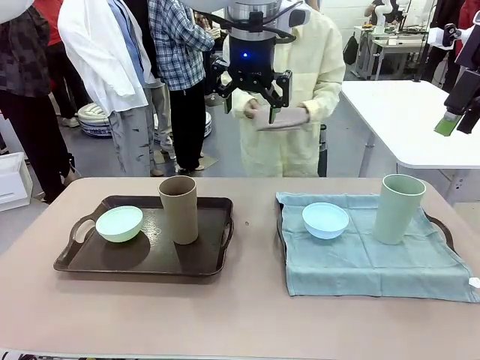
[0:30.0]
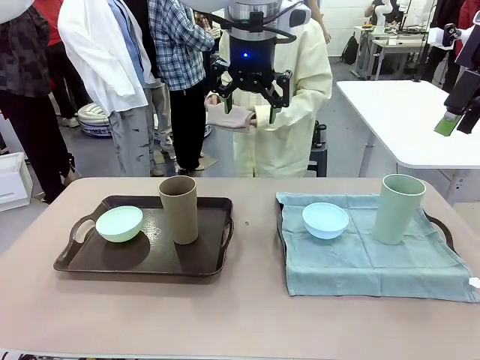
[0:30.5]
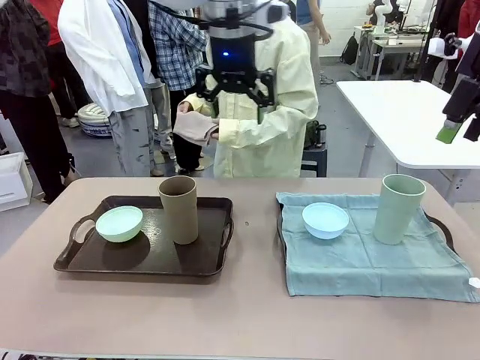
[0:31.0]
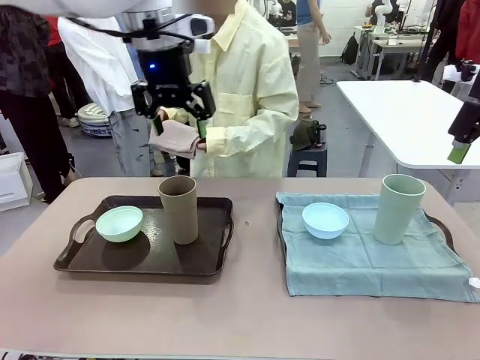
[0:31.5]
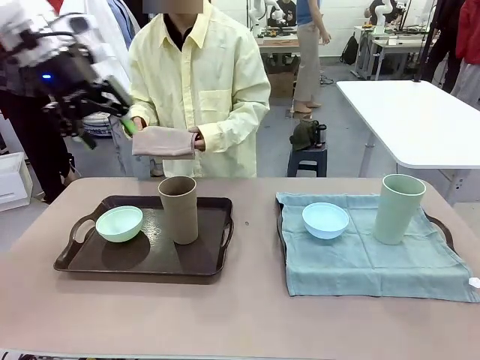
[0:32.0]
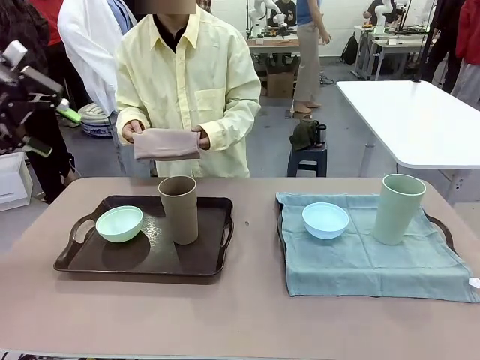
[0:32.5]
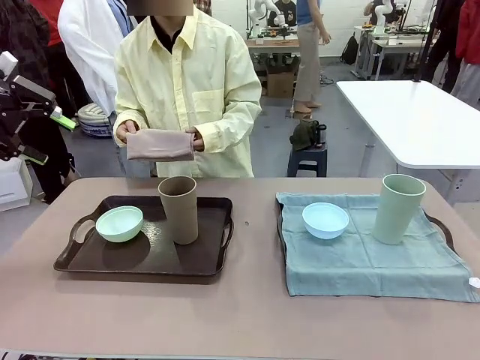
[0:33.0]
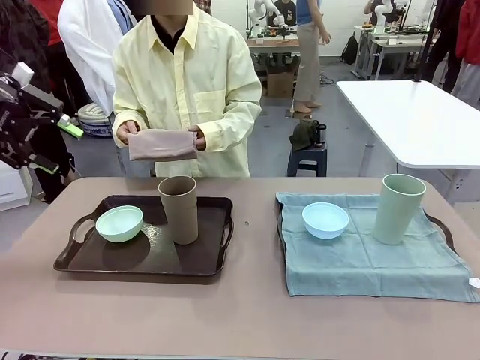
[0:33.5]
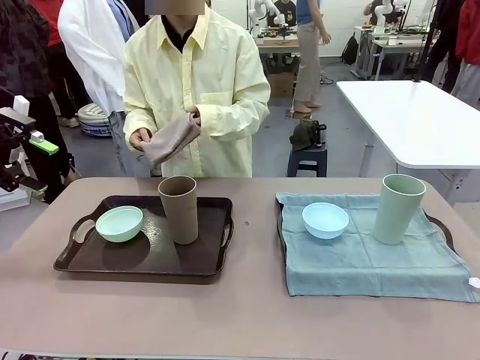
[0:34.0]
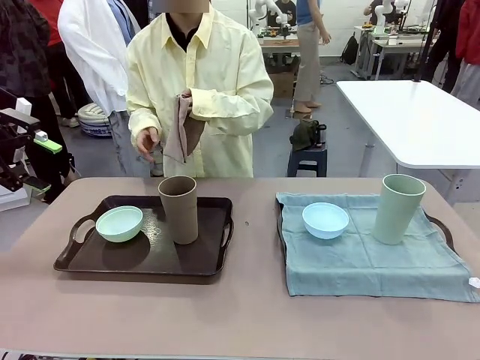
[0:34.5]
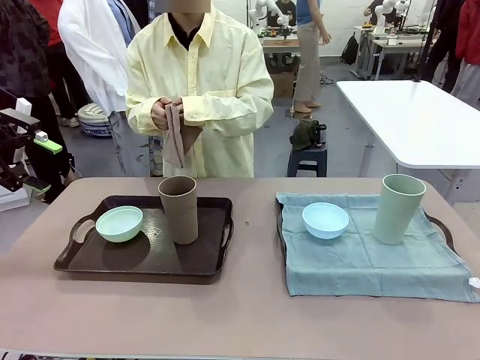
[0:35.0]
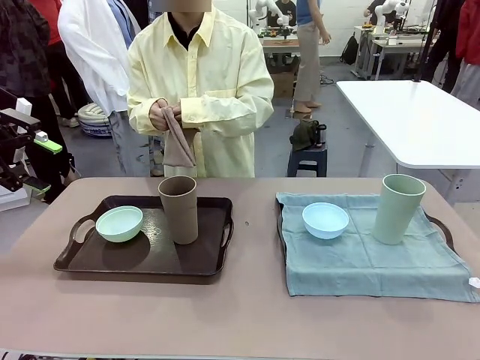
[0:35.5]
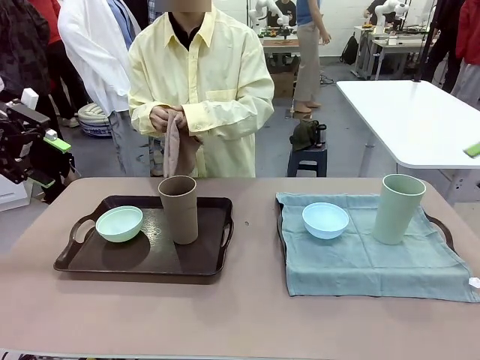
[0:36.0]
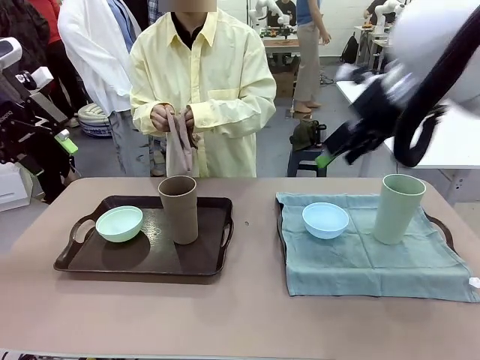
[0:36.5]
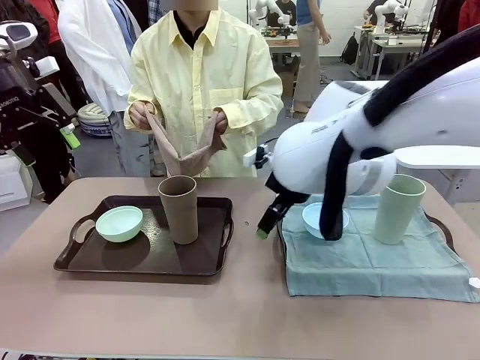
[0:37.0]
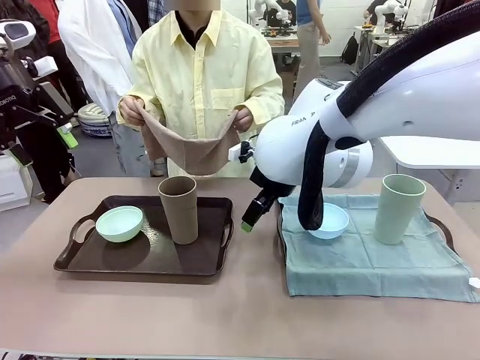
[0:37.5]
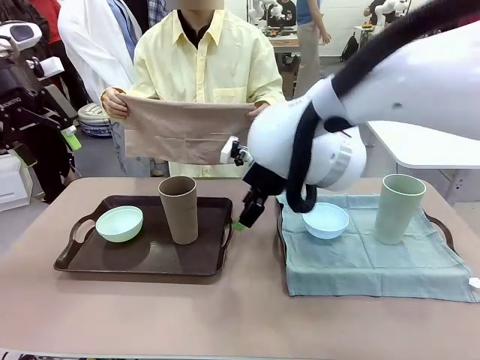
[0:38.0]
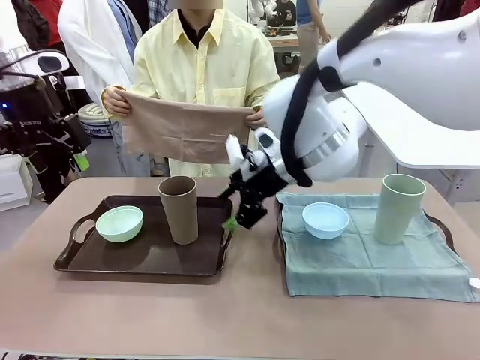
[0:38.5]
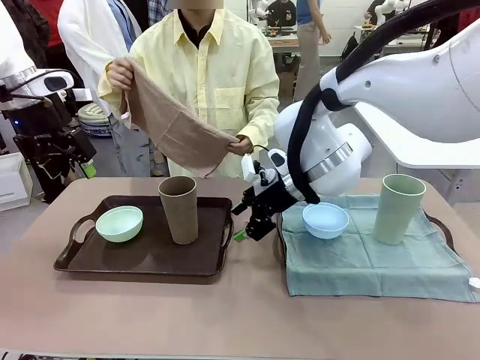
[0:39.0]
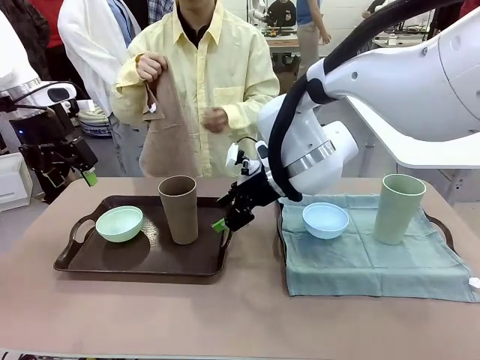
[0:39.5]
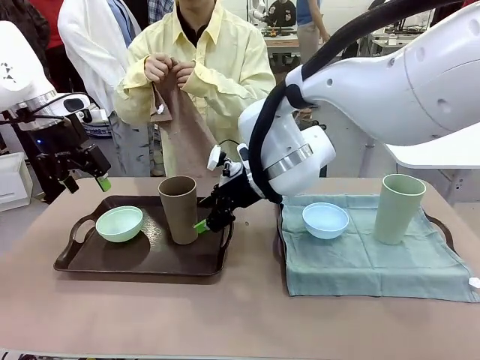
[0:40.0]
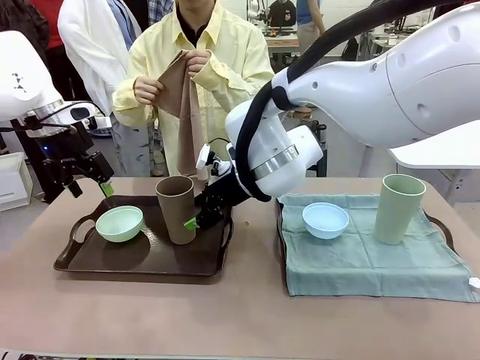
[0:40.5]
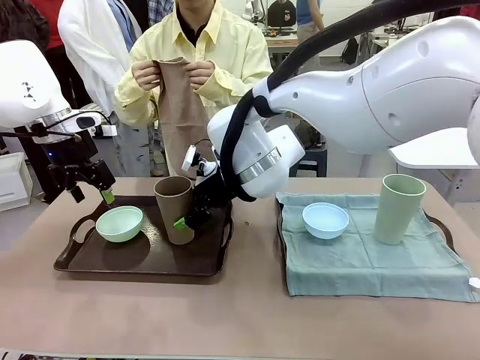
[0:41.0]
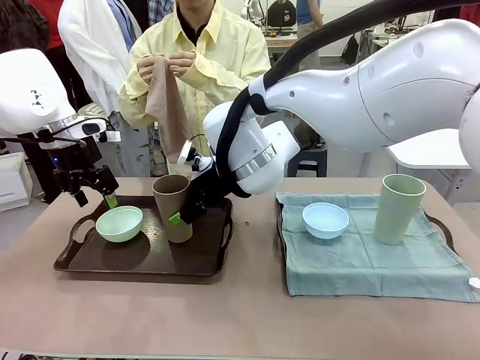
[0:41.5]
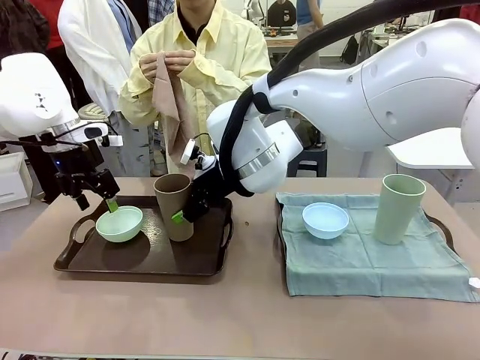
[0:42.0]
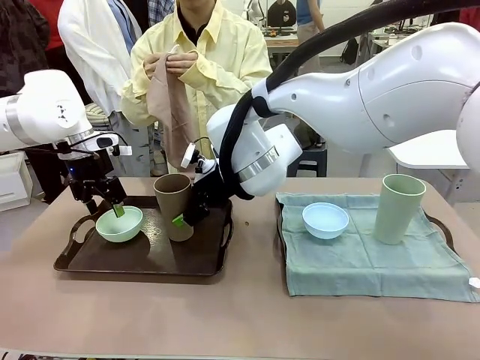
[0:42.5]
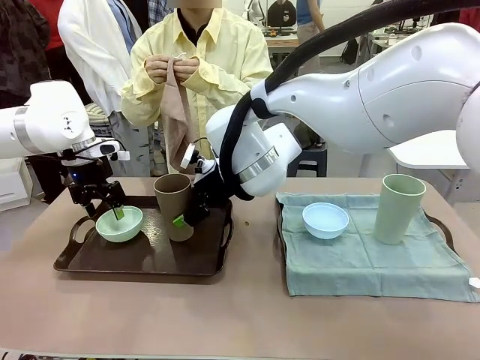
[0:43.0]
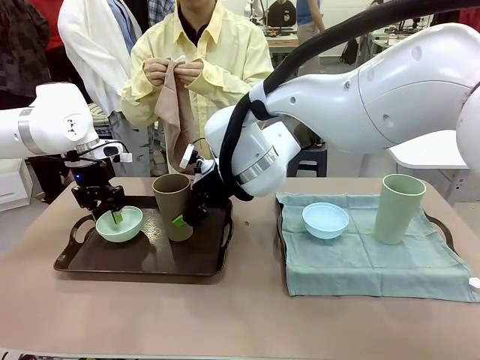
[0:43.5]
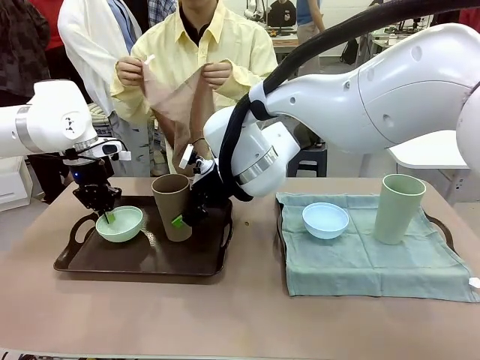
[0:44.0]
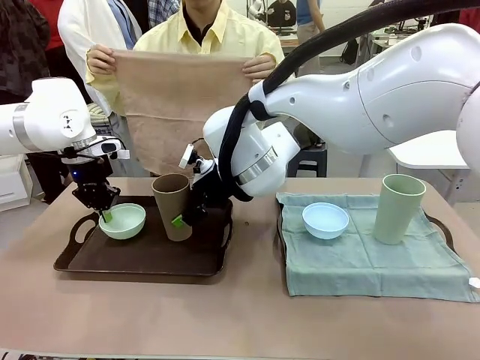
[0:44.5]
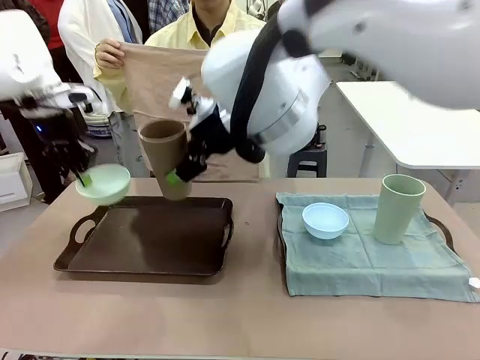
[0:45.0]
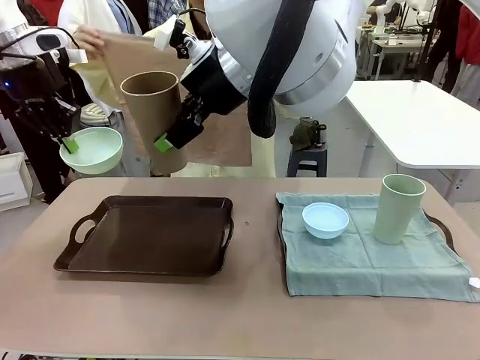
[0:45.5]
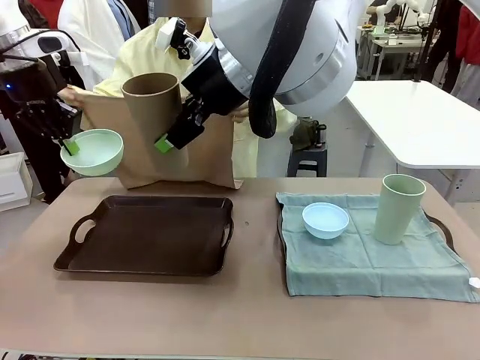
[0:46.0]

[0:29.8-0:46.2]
Robot: Pick up the Picnic Bowl and Reusable plastic cup from the Handle tray in front of the human's position and hold them in the air.

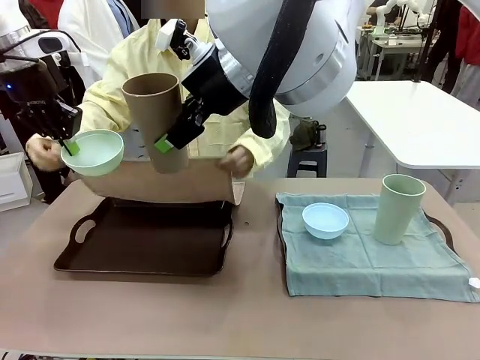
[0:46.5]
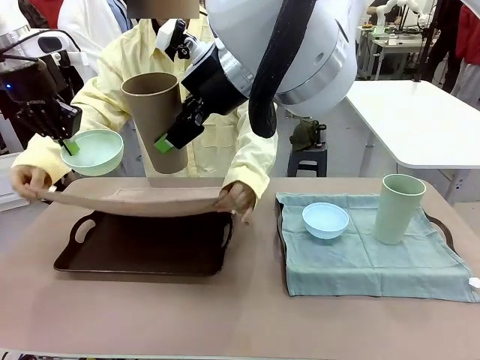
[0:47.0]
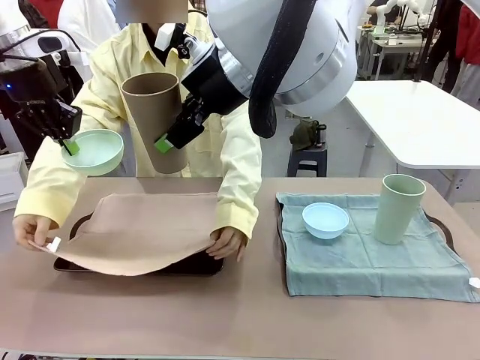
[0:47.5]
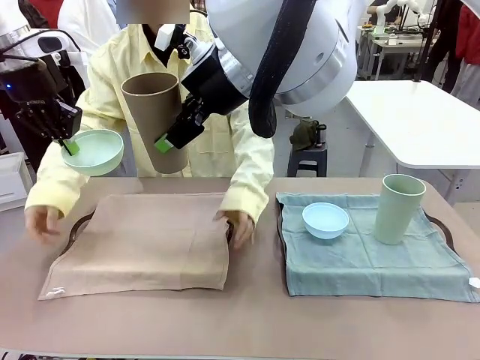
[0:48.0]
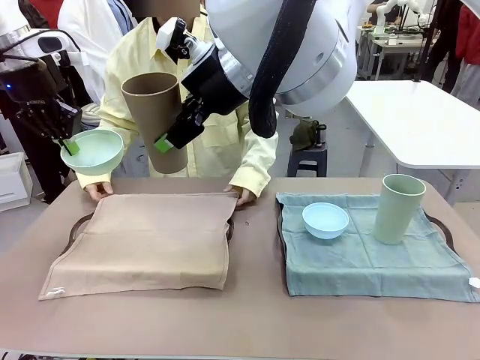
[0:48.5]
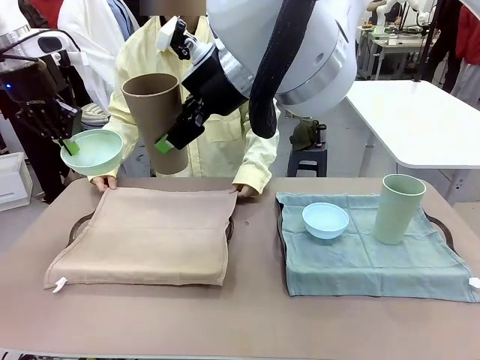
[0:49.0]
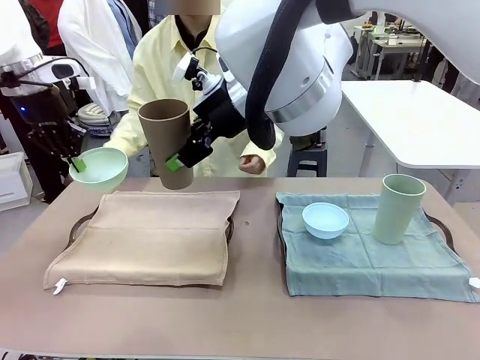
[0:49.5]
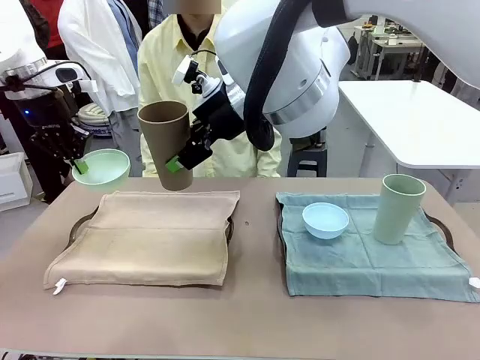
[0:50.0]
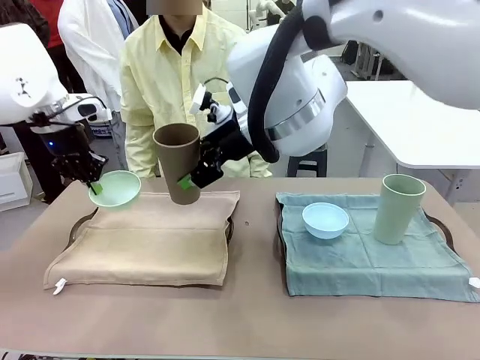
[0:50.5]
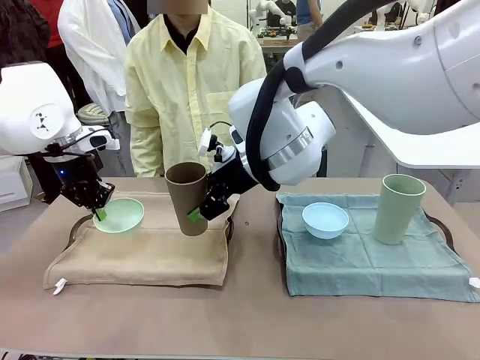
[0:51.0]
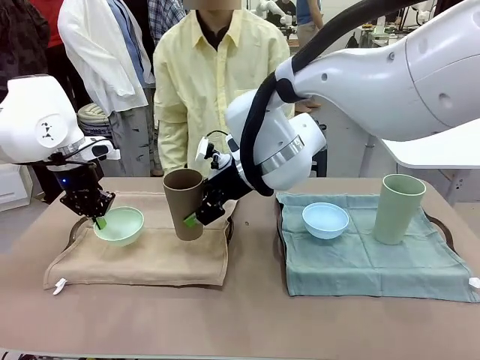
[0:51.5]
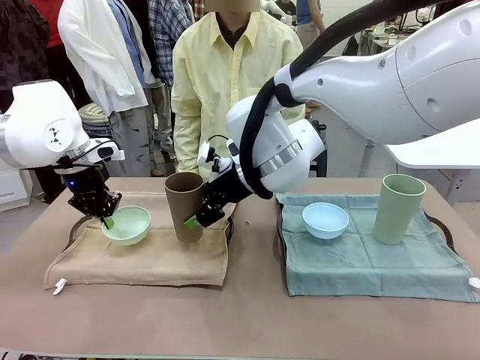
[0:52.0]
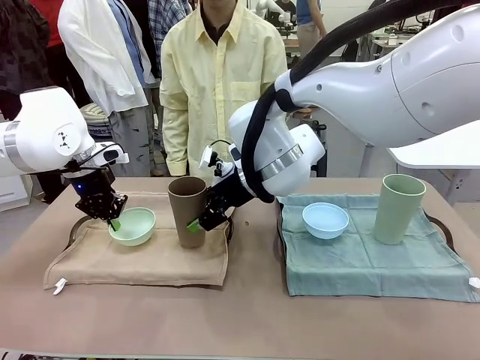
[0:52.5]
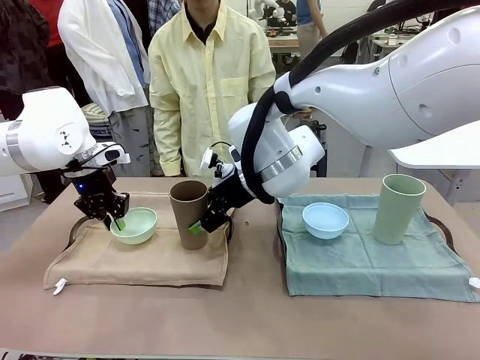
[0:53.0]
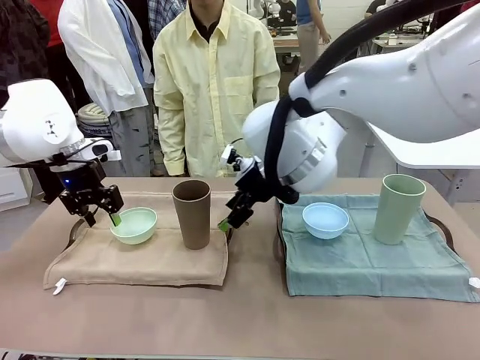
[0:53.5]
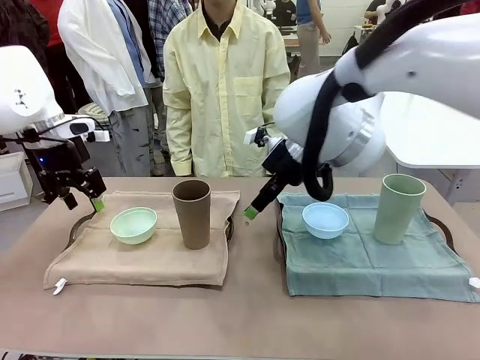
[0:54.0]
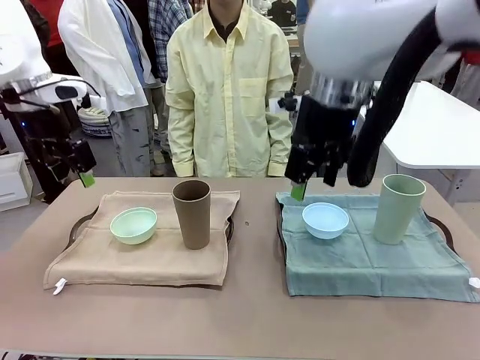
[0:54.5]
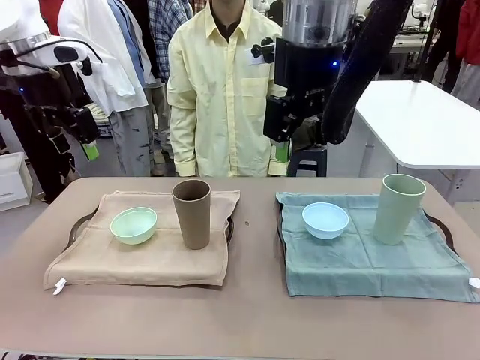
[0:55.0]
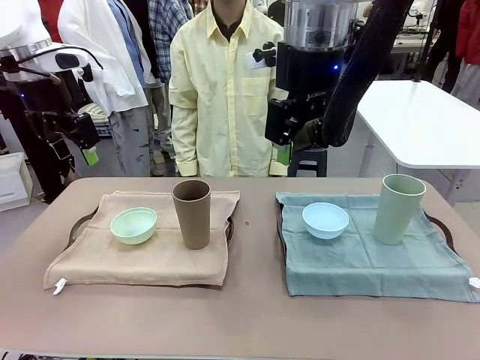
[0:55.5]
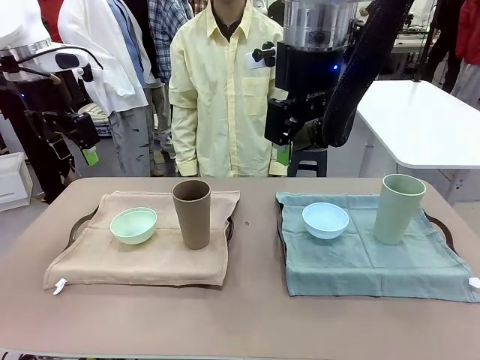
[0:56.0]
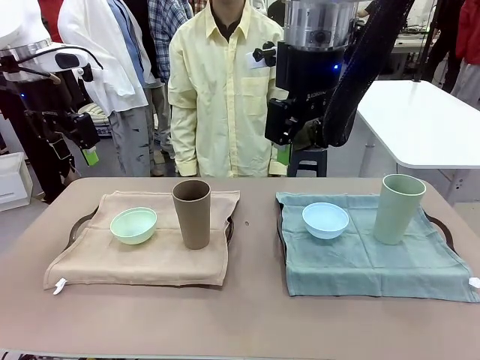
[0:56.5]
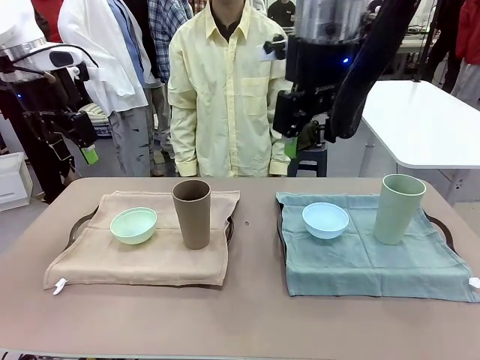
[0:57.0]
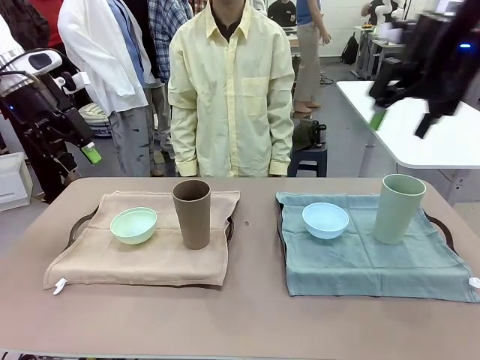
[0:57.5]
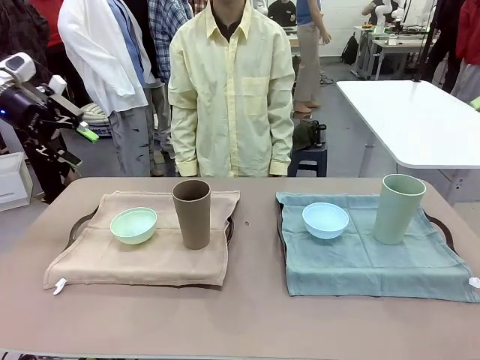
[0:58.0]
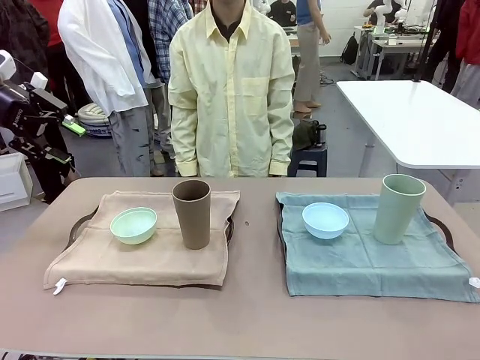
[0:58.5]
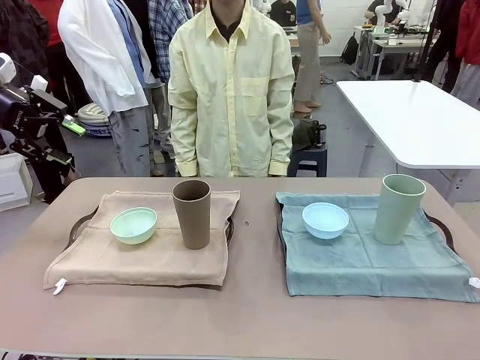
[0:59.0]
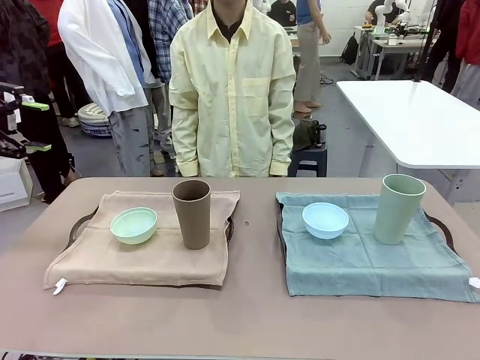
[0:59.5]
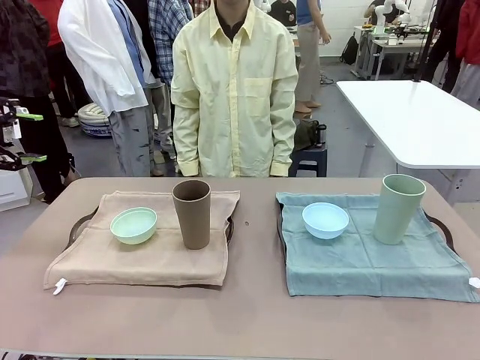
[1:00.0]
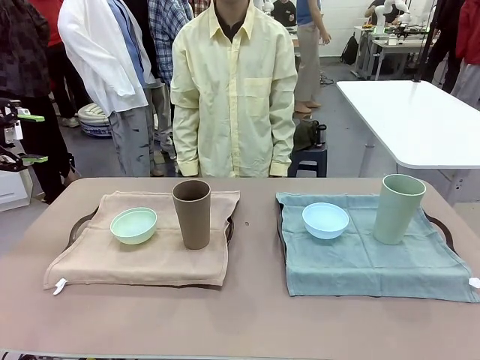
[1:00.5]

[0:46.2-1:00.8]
Robot: Place the Picnic Bowl and Reusable plastic cup back onto the Handle tray in front of the human's position.
Person: When the robot lifts the bowl and the cup, the human unfolds the napkin and lays the napkin flat on the tray.
